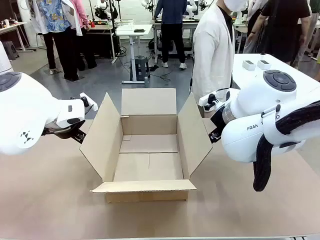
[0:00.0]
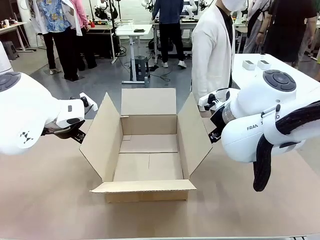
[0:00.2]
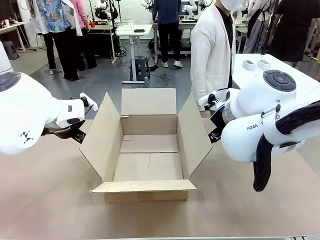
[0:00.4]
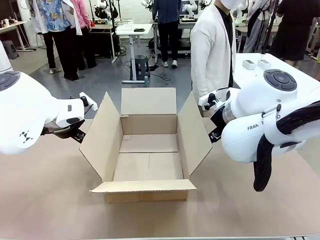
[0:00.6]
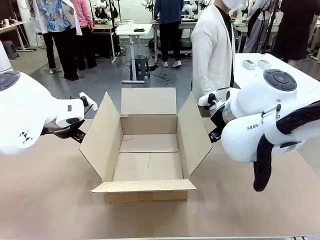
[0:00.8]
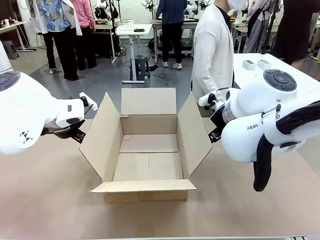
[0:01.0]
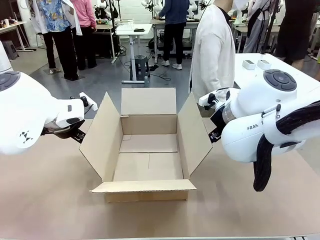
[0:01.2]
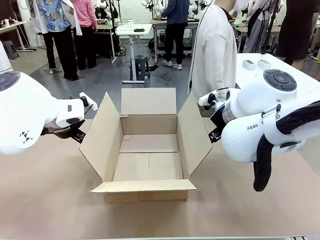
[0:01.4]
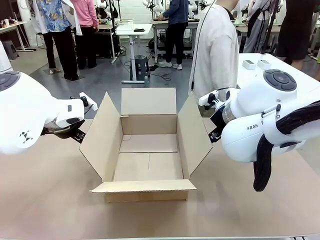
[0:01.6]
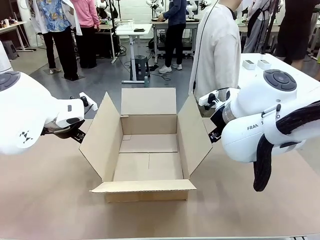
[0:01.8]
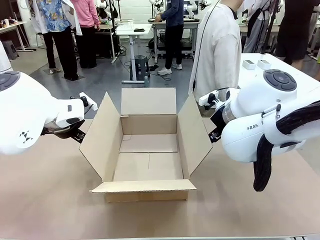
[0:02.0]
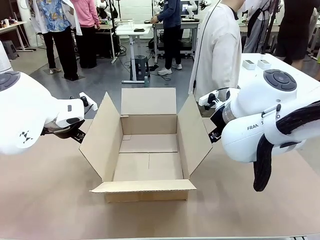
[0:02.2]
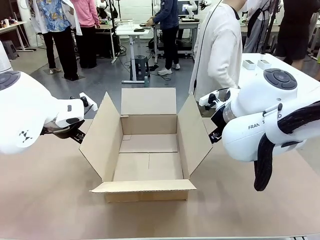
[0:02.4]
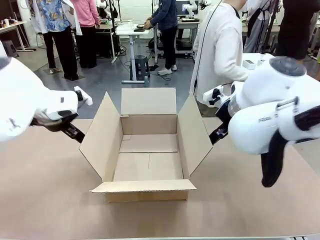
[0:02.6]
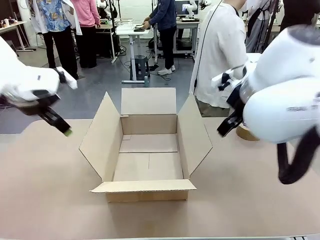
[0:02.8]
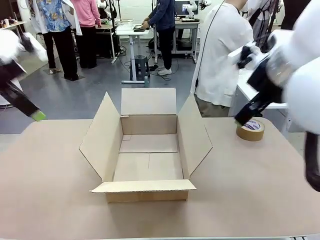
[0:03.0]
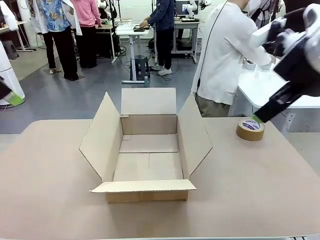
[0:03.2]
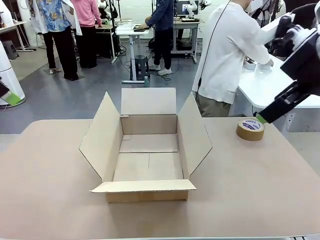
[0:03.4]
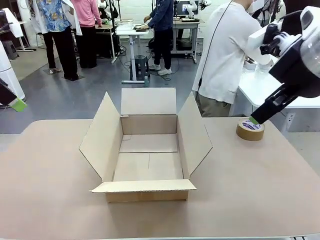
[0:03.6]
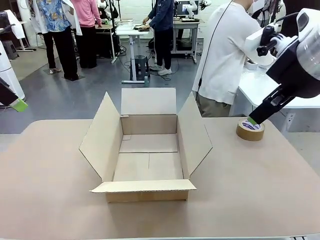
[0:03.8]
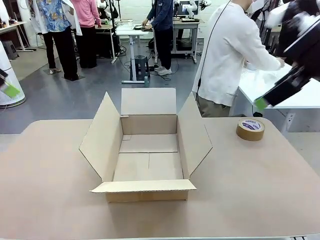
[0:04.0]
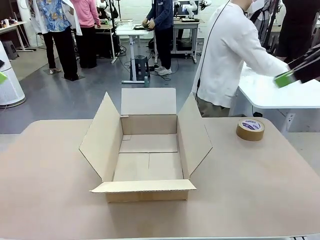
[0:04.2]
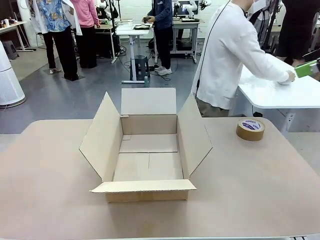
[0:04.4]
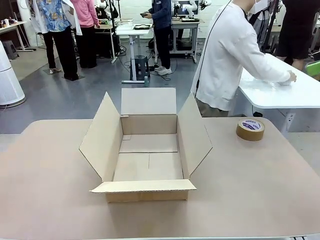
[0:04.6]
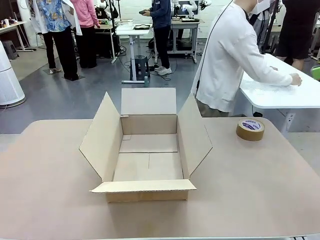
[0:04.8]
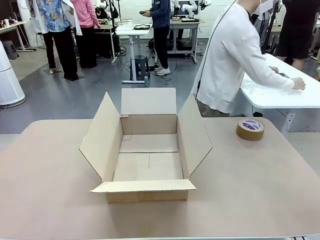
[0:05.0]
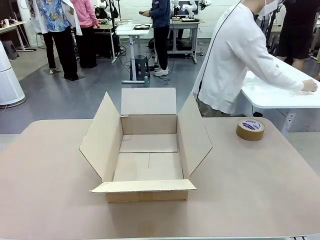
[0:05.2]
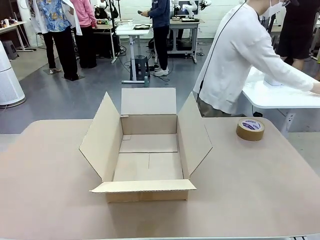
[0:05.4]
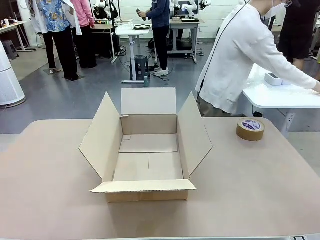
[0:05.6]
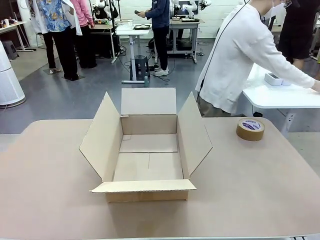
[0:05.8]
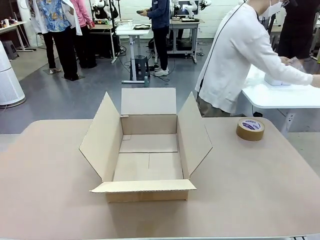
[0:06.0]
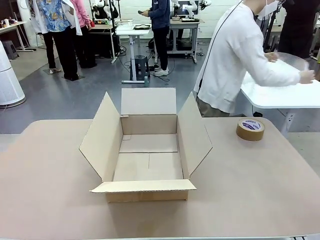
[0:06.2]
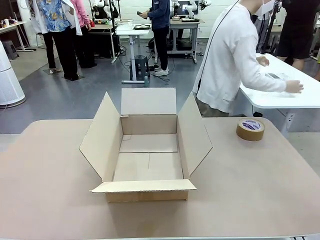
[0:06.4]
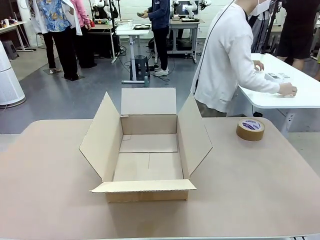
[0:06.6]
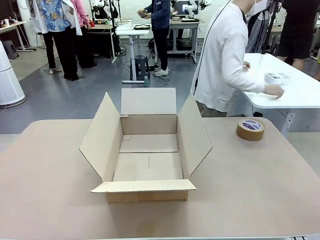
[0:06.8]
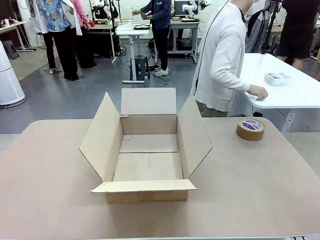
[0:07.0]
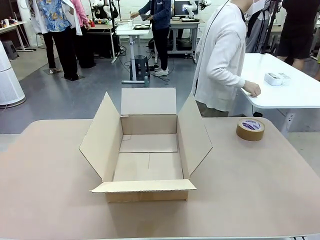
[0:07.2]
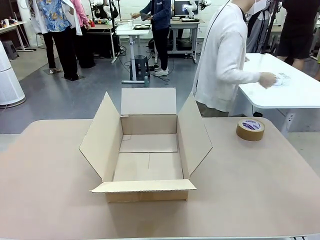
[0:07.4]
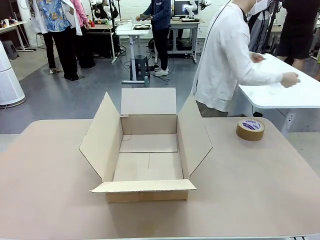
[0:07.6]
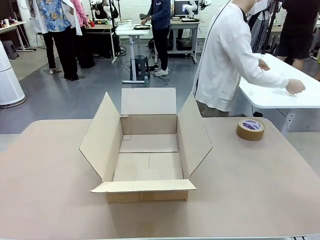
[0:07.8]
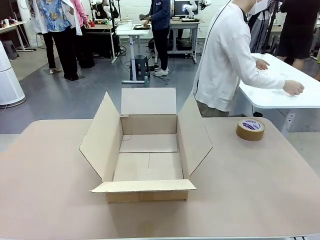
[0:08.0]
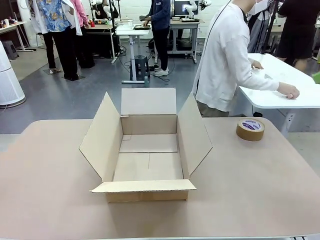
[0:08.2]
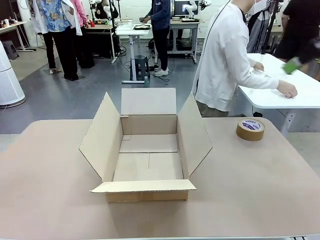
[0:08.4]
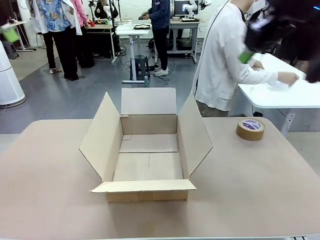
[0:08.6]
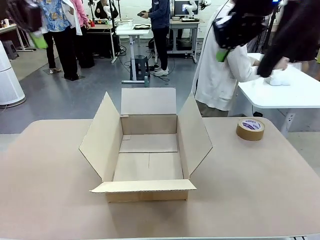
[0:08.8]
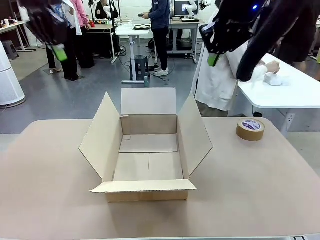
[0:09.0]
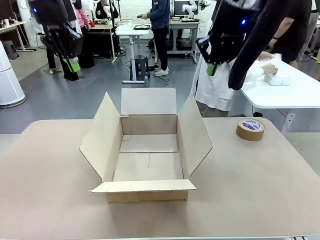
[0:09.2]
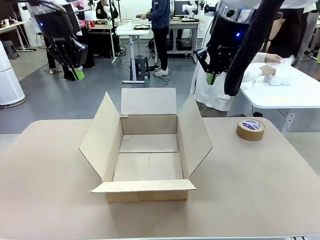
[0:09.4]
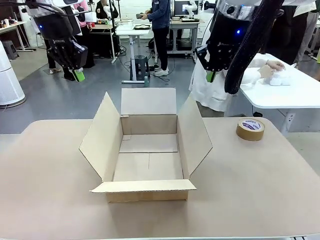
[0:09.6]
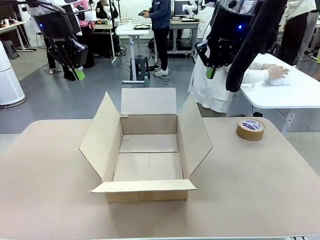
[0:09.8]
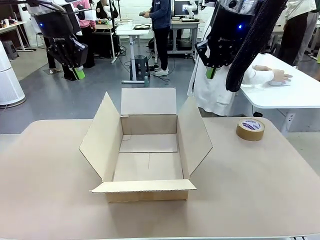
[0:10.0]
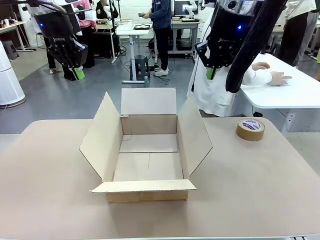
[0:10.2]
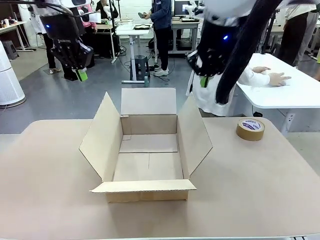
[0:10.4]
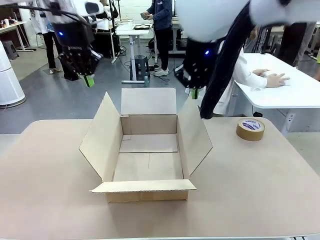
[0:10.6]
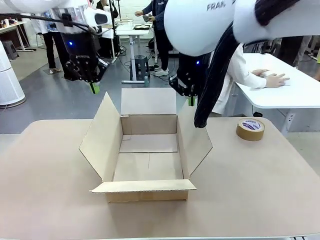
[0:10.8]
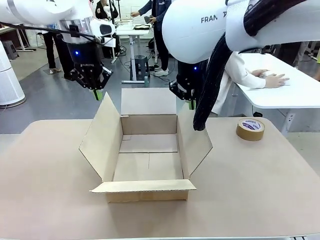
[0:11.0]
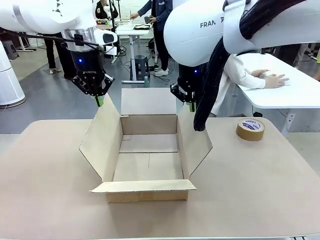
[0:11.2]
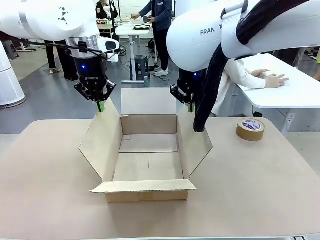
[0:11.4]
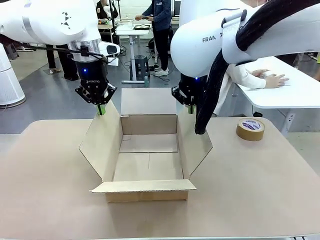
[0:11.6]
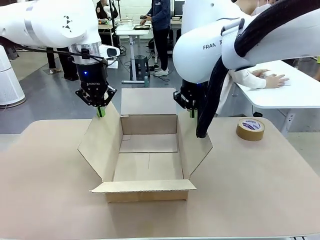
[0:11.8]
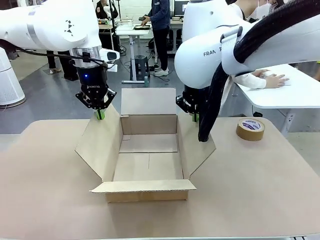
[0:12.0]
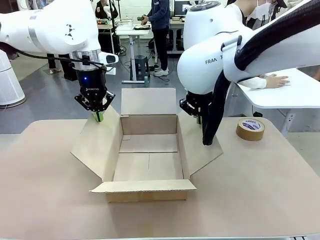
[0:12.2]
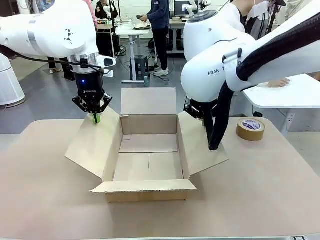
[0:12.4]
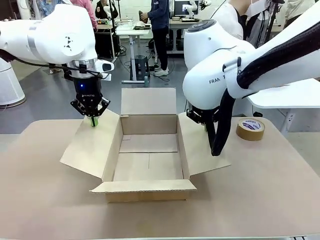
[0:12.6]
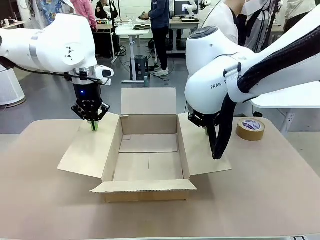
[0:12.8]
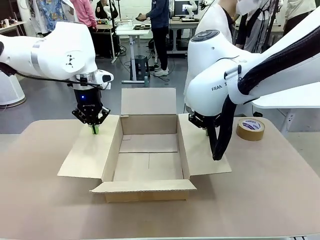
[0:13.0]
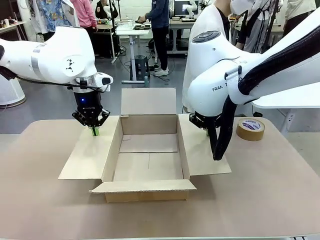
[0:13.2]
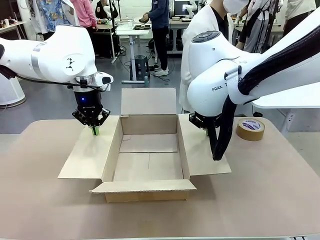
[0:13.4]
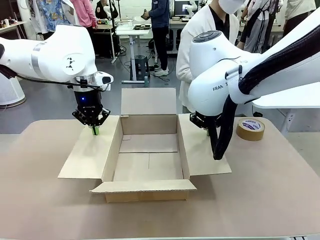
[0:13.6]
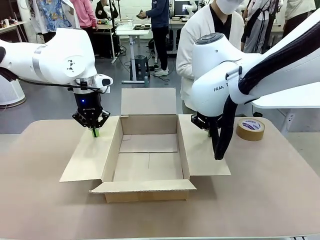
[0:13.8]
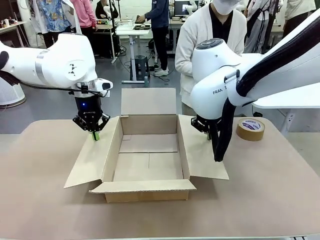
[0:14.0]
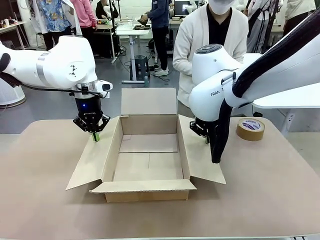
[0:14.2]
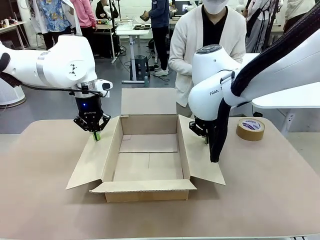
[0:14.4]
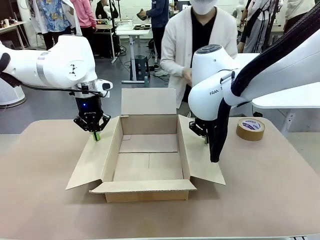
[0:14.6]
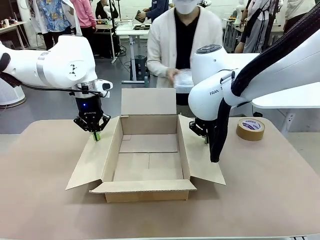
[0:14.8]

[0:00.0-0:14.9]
Task: Wrap the clocks to prevent damage.
Robot: Open the side flaps of the Package Box.
Person: Wrap the two Digital clocks with Bubble Wrap.

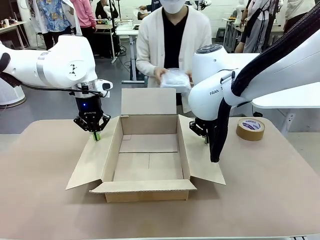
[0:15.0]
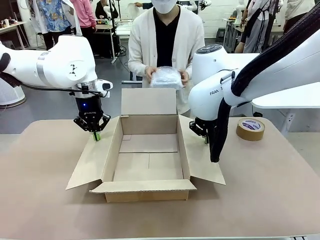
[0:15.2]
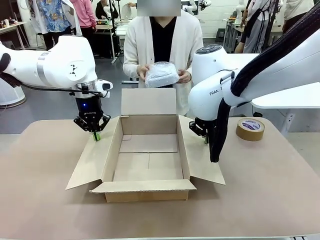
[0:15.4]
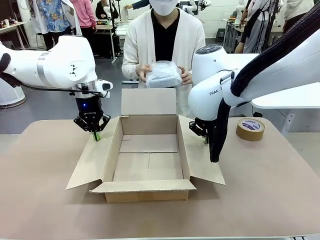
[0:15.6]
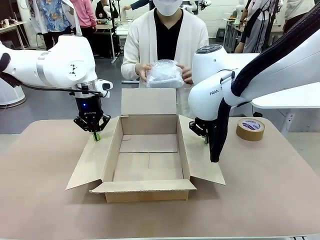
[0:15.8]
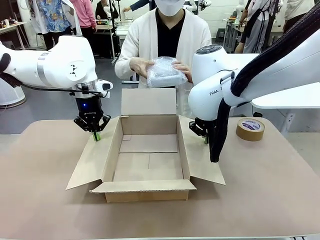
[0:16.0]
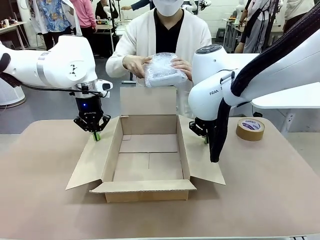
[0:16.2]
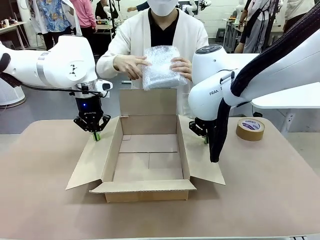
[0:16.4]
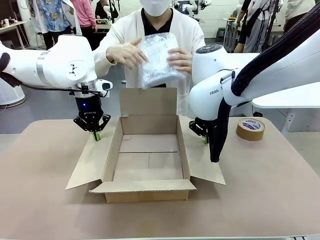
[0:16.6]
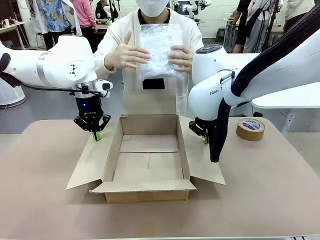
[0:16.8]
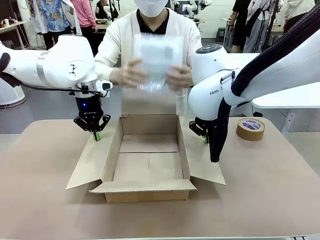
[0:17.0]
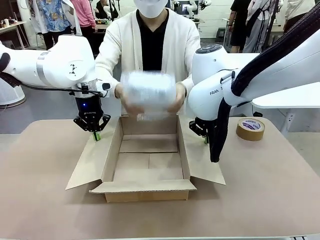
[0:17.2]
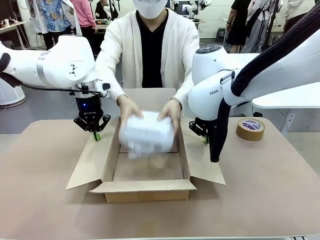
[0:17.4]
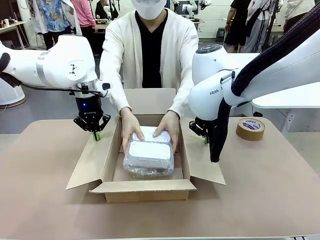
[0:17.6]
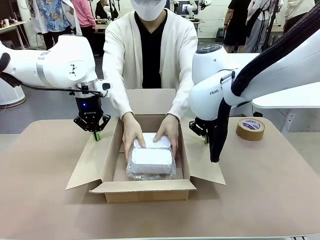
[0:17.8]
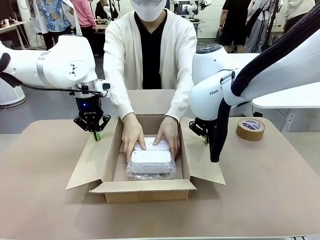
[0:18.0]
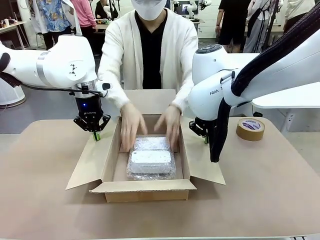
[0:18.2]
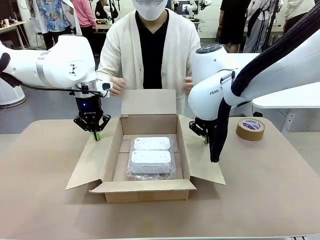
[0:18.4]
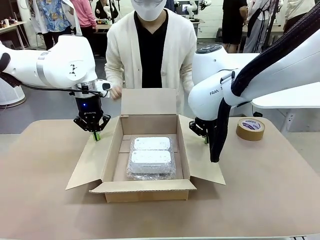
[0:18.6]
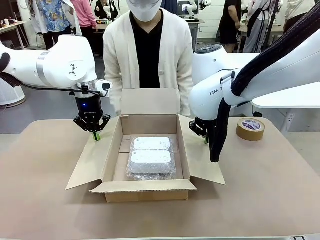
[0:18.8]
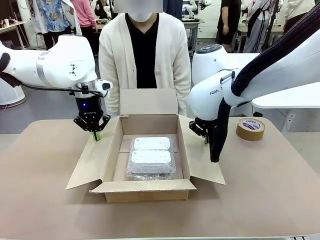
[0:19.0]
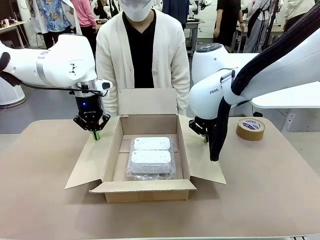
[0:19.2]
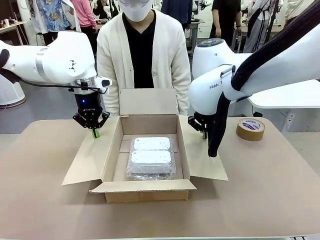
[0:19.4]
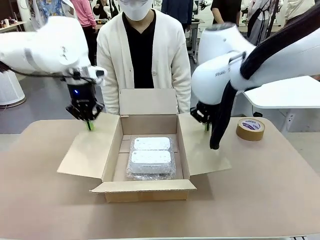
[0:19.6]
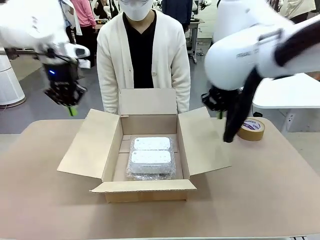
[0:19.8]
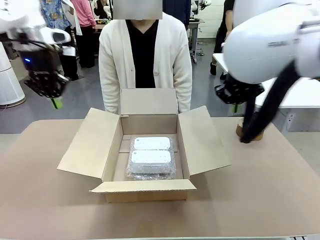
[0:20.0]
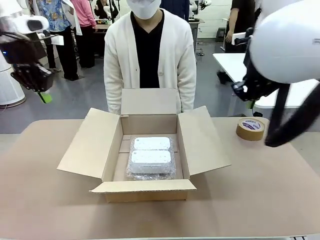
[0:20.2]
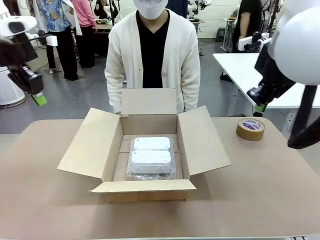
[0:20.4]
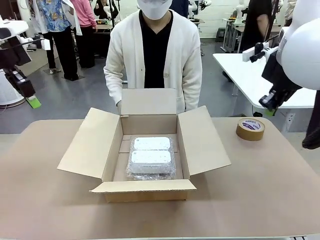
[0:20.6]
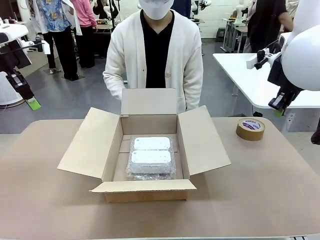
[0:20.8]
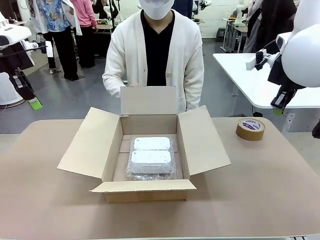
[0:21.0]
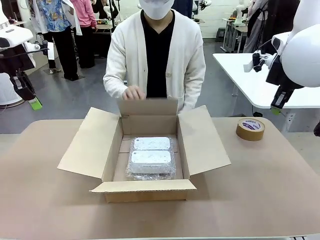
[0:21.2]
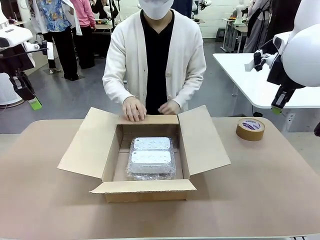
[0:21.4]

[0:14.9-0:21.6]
Robot: Once the human has placed the objects inside and stepped back, release both hands from the side flaps of the Package Box.
Person: Place the wrapped Digital clocks inside the Package Box.
